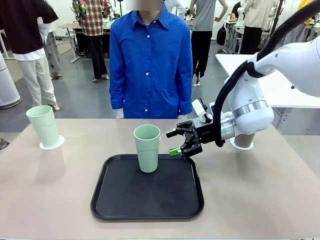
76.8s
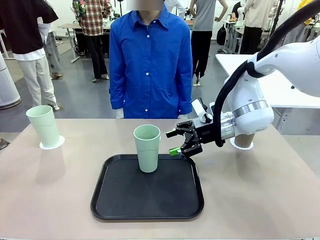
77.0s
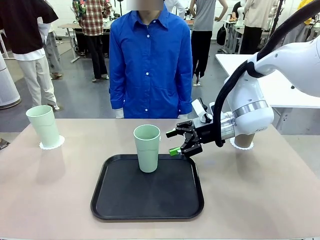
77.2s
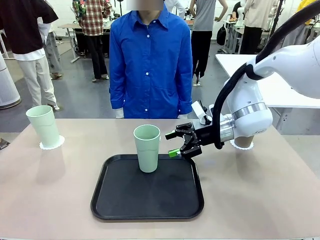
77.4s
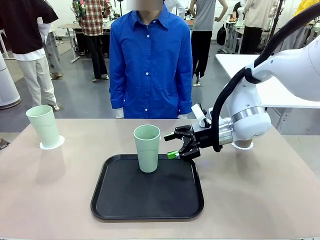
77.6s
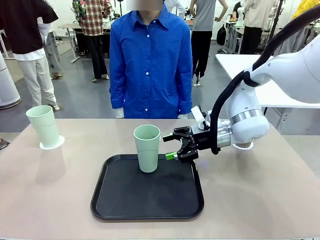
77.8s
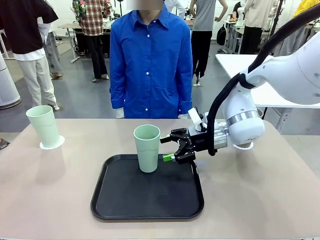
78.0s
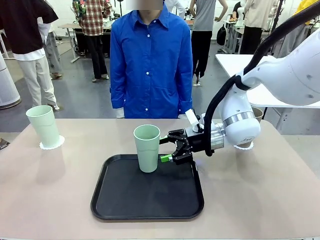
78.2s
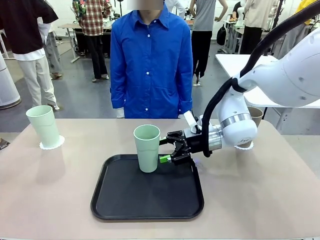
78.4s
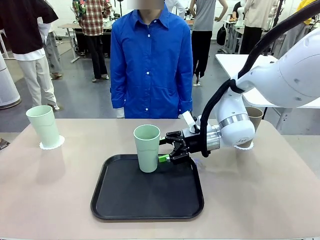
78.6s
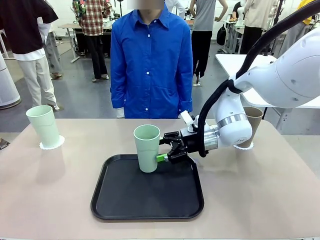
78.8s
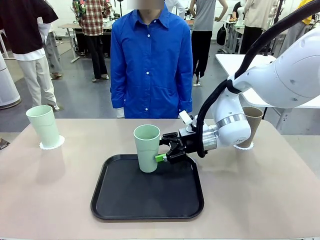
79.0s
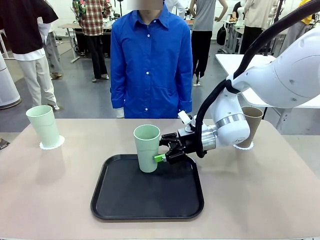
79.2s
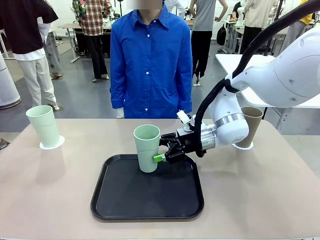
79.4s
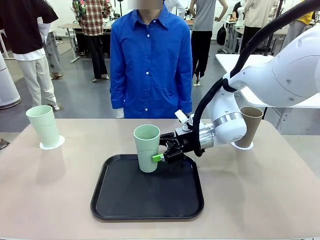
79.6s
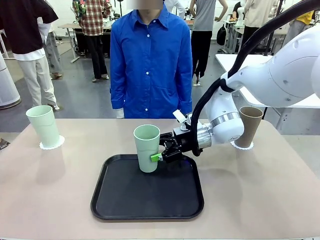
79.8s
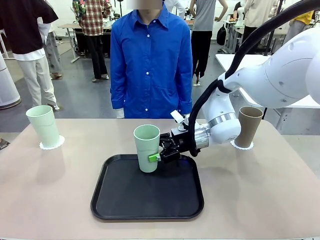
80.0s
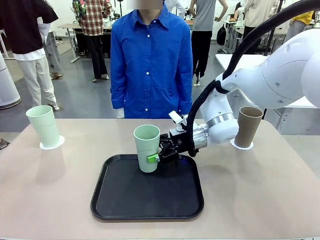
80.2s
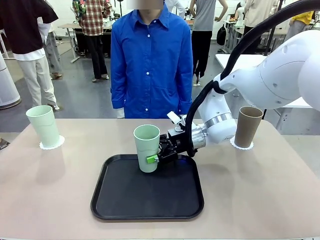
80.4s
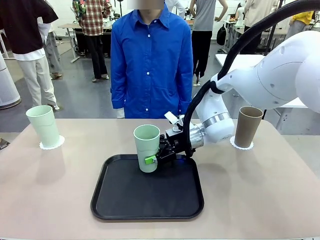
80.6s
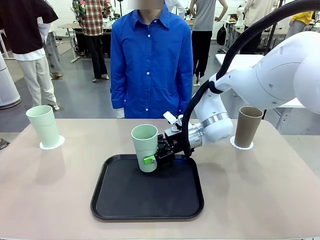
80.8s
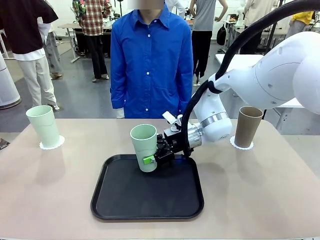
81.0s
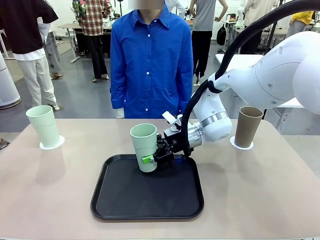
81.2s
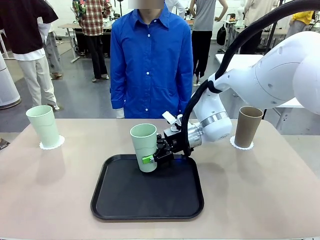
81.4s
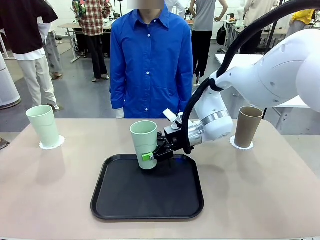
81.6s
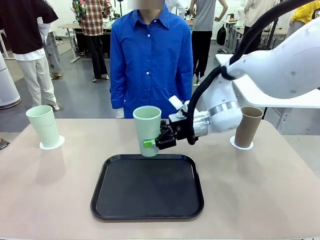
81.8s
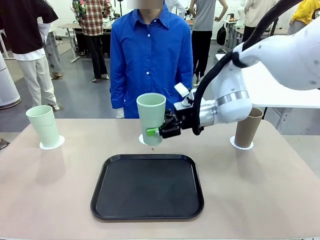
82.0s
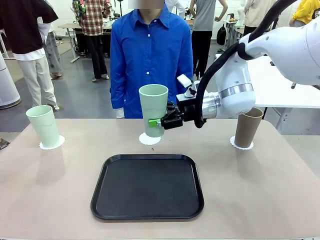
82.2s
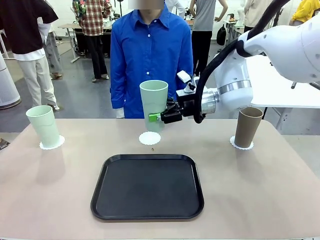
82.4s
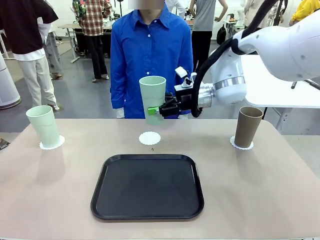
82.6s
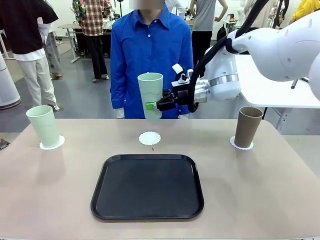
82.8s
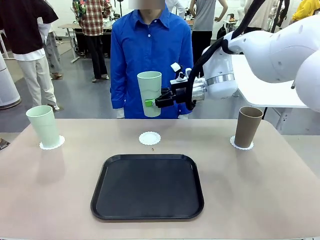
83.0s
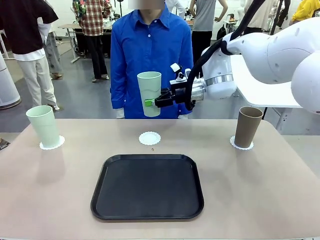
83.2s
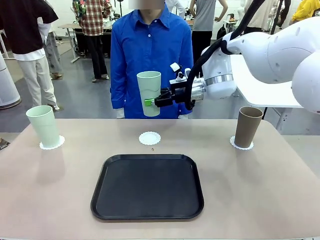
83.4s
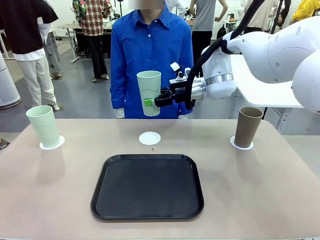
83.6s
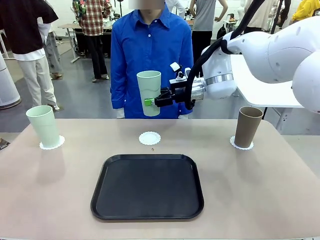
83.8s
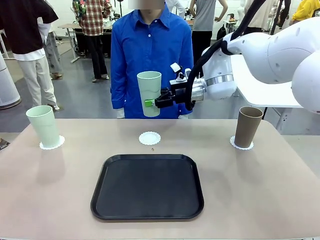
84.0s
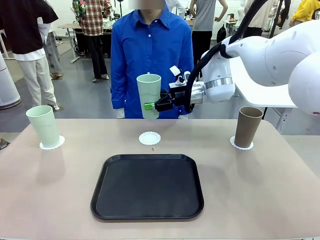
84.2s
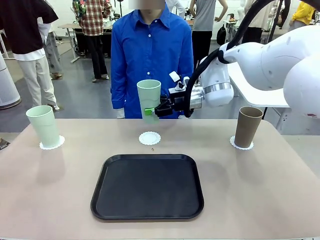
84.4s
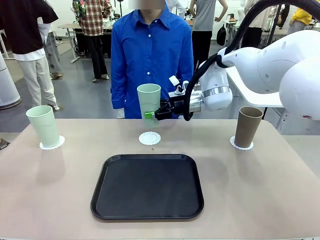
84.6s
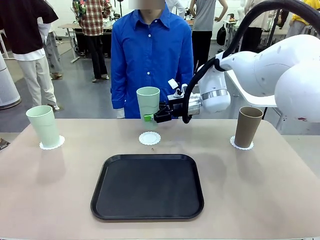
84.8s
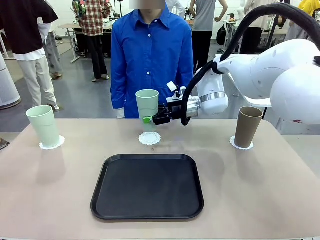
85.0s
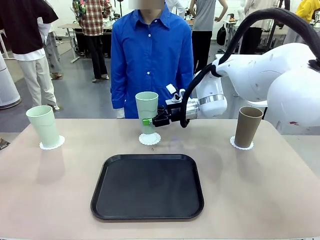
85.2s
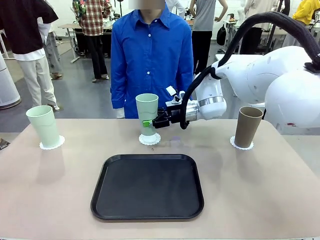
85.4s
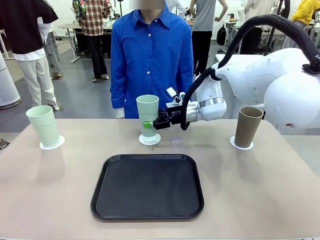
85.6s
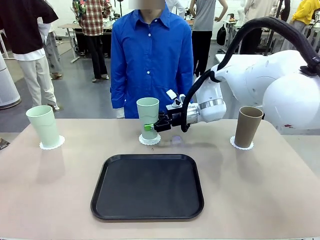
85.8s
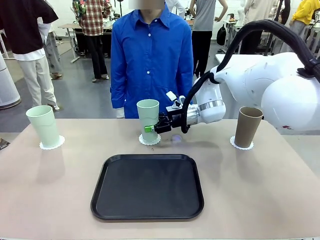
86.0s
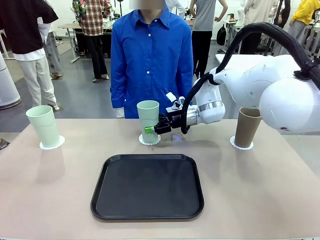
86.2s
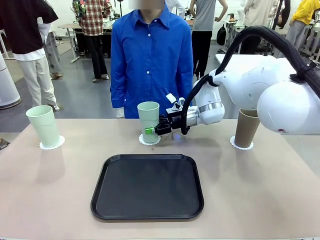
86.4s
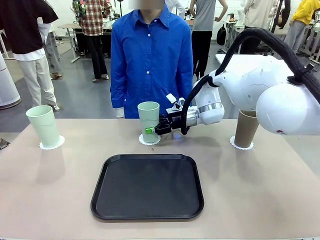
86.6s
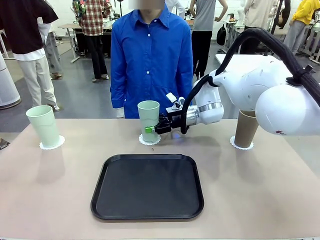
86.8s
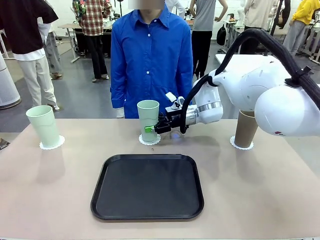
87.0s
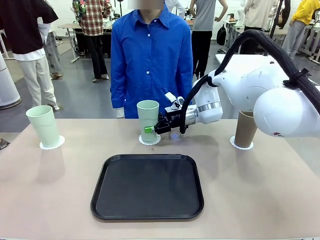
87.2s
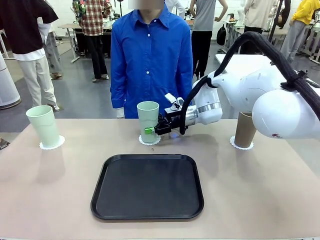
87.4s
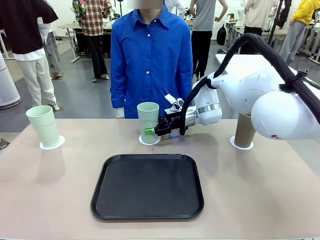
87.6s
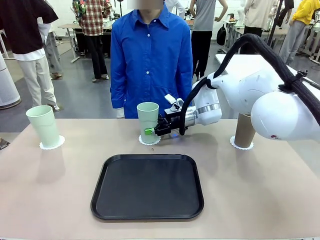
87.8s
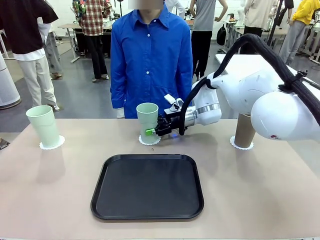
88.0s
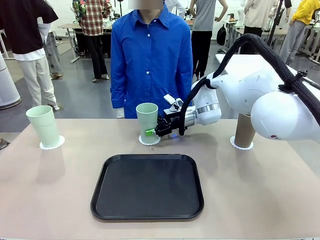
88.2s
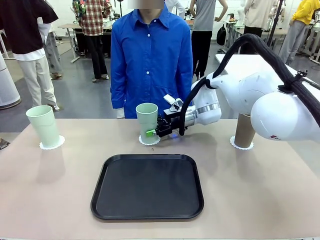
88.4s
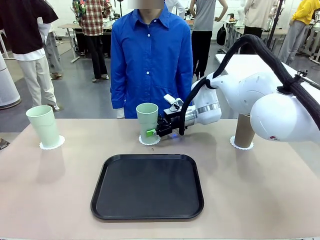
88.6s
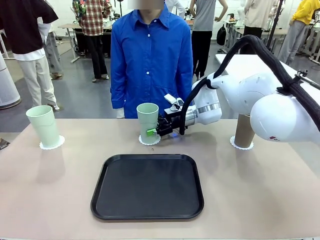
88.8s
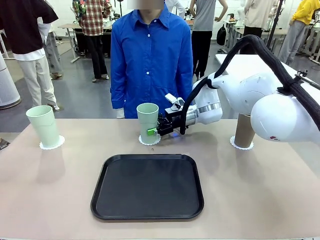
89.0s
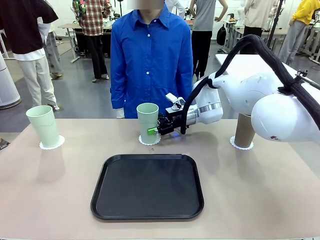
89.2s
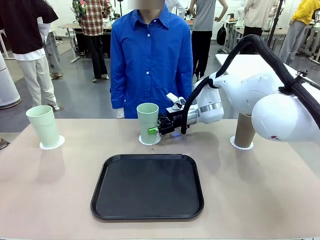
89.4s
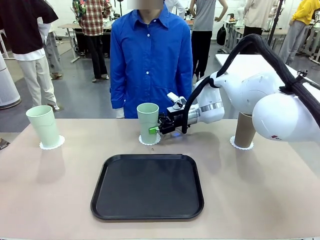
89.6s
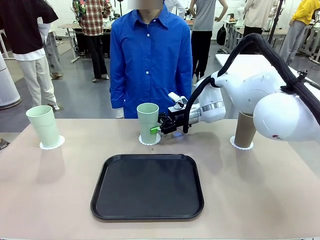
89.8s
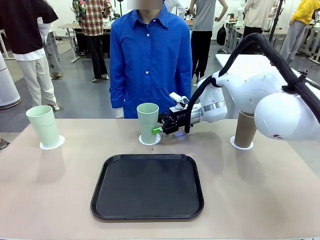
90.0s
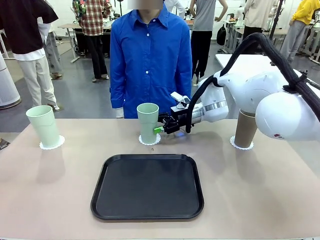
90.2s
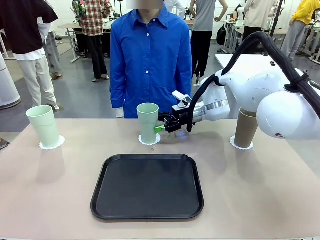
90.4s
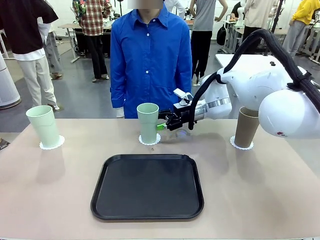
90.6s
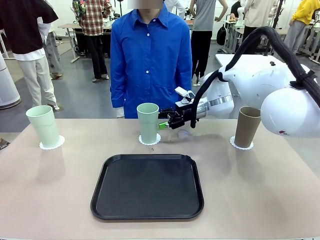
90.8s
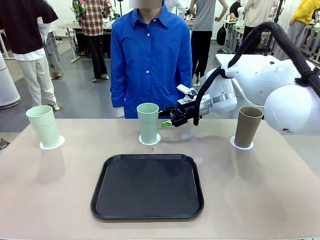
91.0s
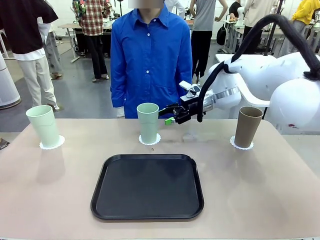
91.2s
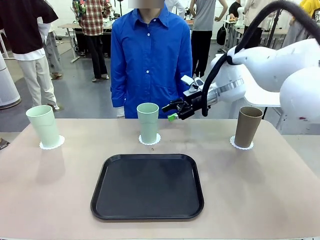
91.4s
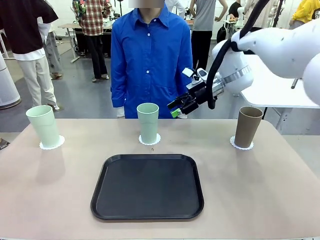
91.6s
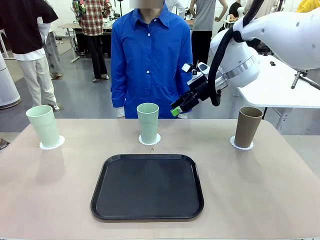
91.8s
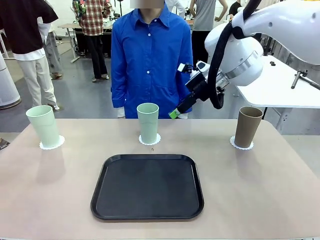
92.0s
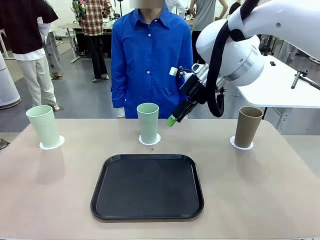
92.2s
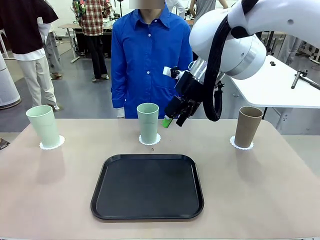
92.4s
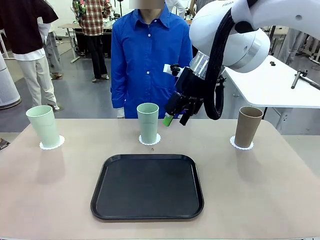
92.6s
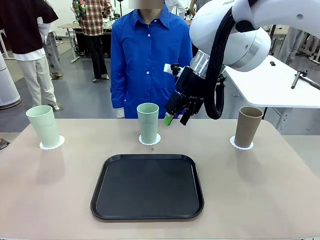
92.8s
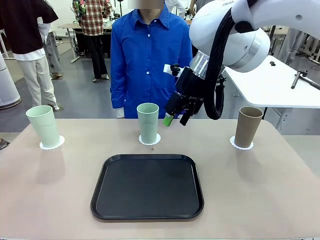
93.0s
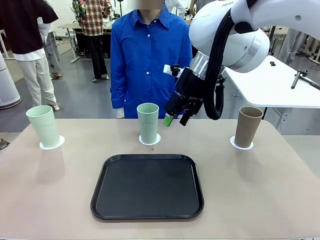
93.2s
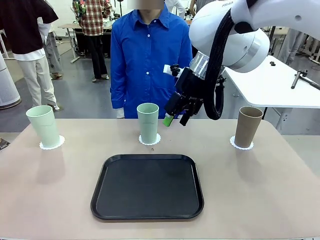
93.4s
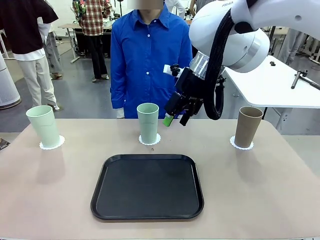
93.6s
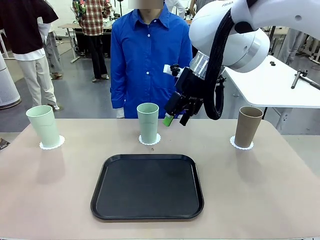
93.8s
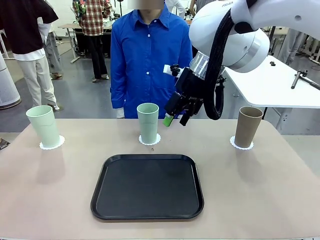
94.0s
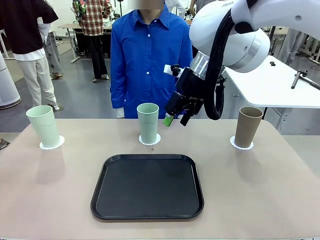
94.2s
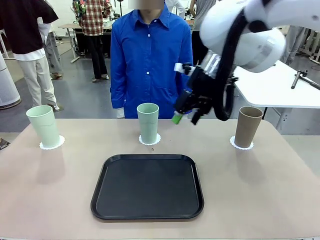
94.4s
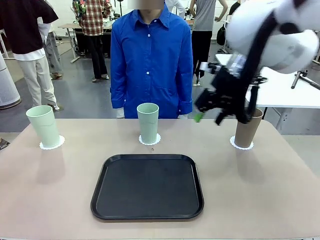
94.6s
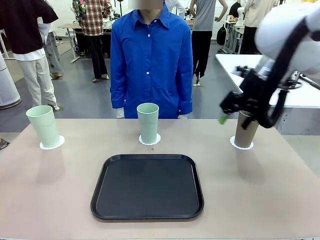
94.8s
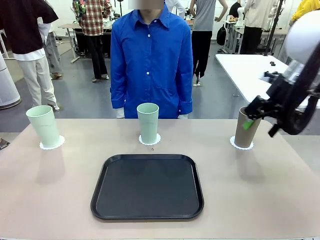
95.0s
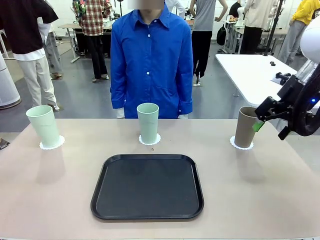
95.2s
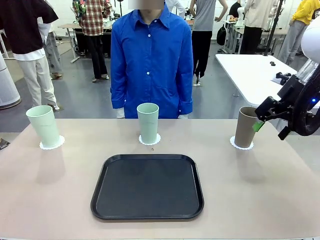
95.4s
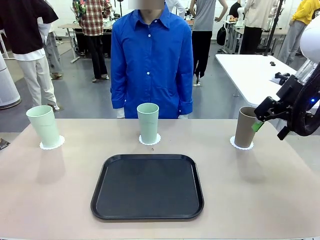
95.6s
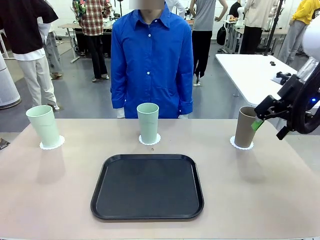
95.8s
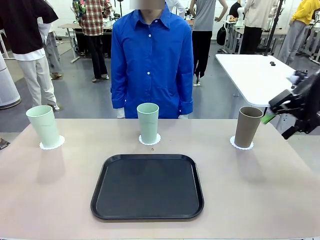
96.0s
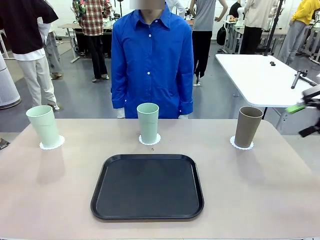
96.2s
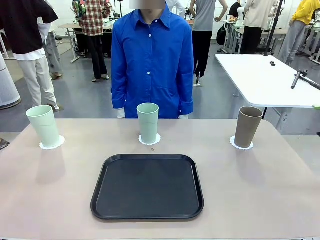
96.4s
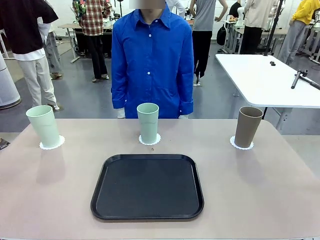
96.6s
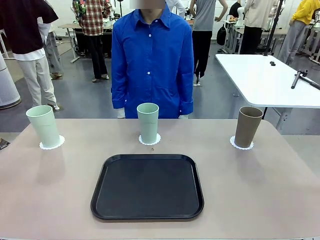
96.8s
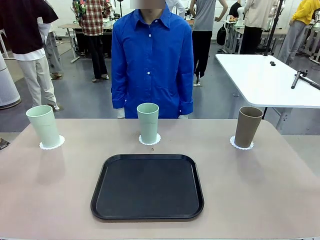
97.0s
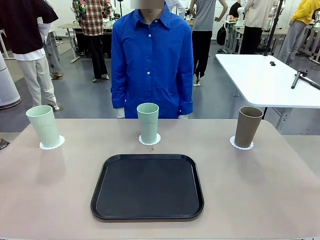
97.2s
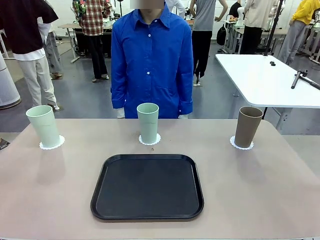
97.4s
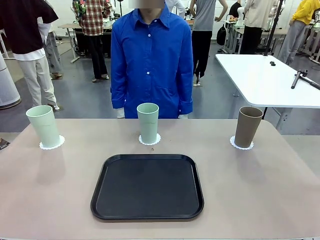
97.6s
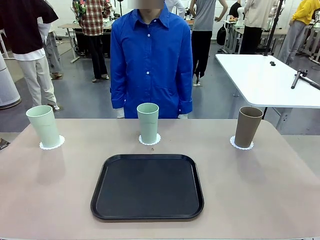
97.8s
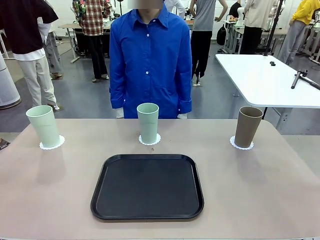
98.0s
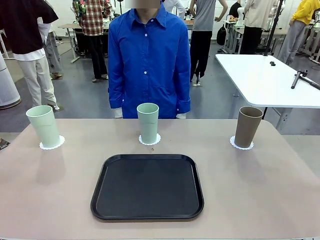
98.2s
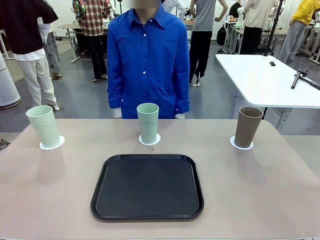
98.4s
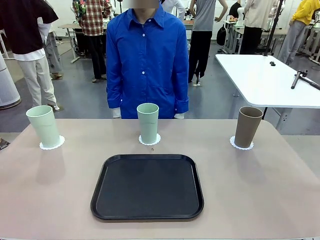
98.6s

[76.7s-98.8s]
Task: Place coasters on the table and set cups on them.
Robot: Take one Reusable plastic cup from the Flat Tray and place it on a coaster set by the human.
